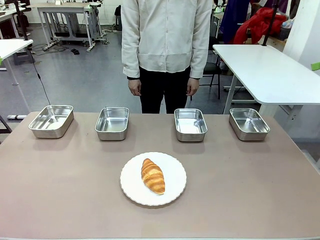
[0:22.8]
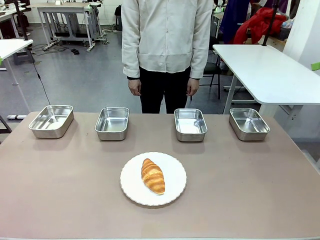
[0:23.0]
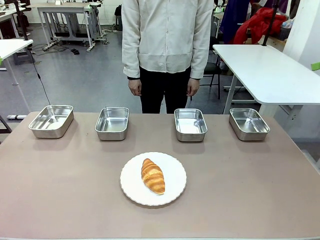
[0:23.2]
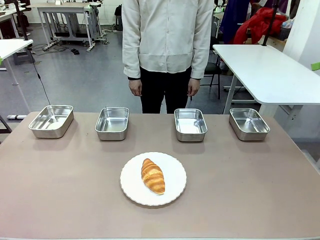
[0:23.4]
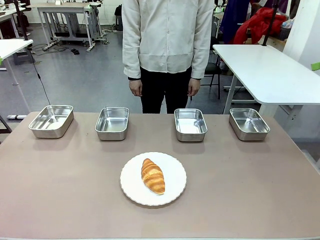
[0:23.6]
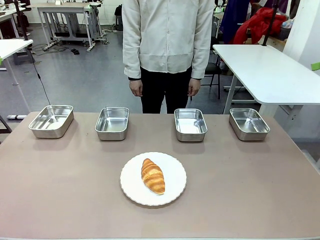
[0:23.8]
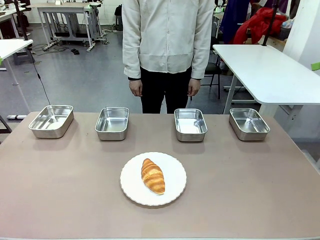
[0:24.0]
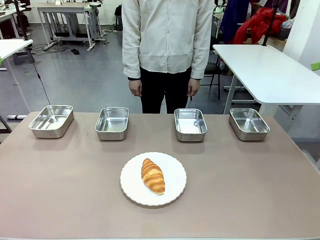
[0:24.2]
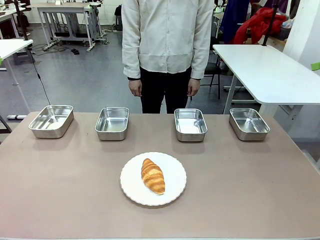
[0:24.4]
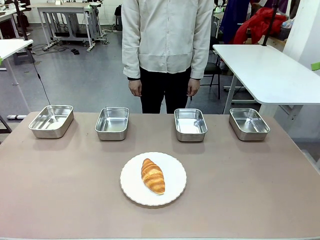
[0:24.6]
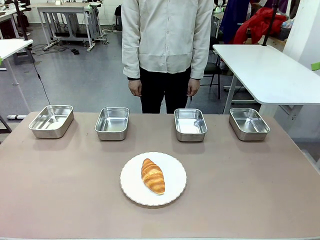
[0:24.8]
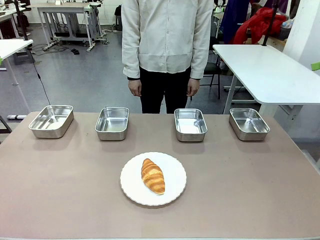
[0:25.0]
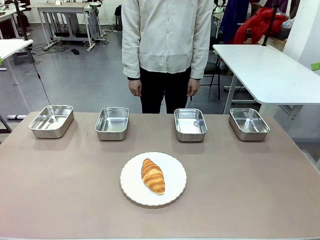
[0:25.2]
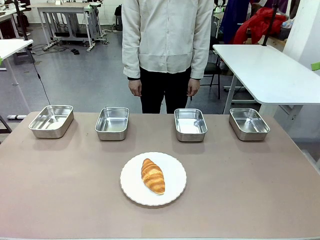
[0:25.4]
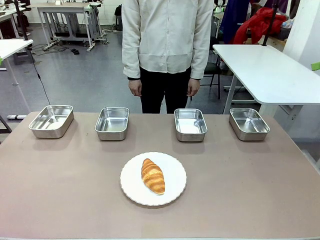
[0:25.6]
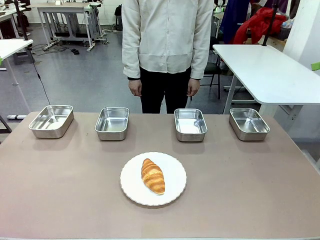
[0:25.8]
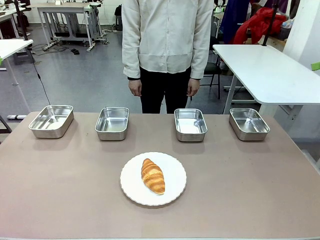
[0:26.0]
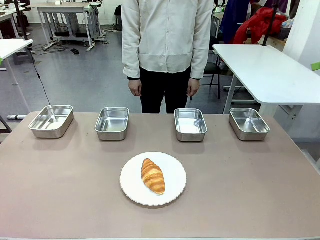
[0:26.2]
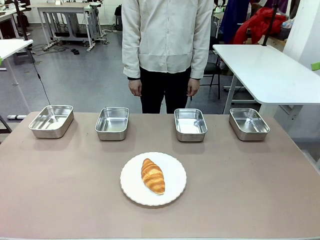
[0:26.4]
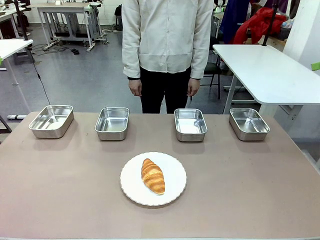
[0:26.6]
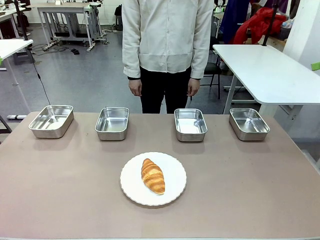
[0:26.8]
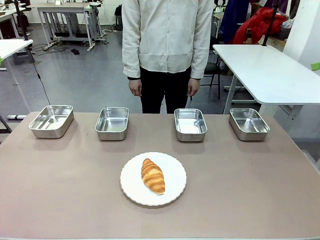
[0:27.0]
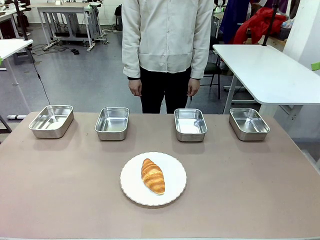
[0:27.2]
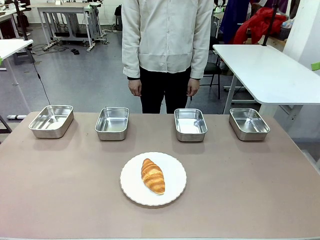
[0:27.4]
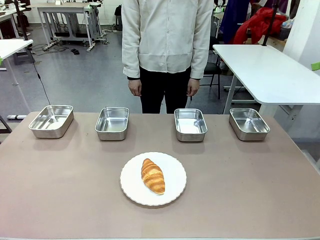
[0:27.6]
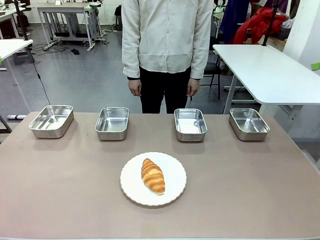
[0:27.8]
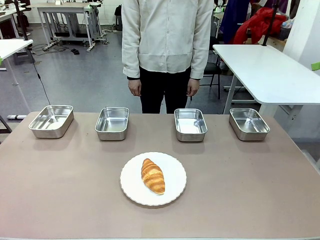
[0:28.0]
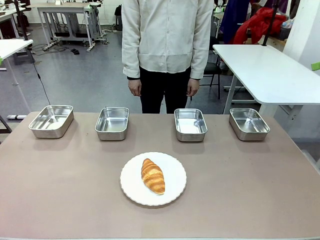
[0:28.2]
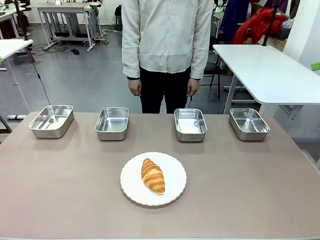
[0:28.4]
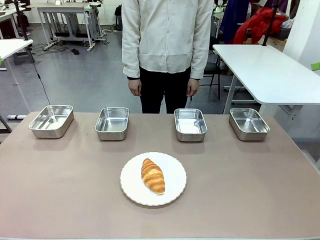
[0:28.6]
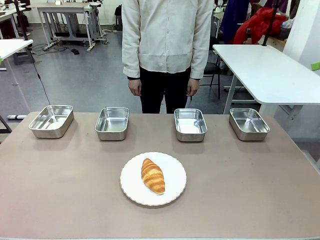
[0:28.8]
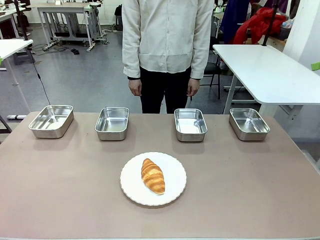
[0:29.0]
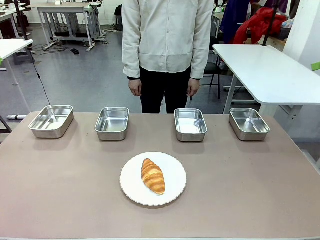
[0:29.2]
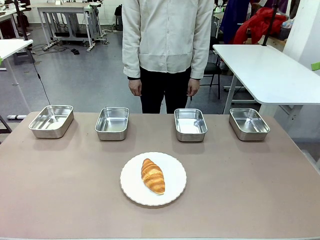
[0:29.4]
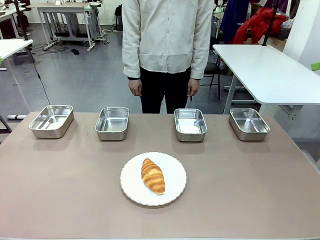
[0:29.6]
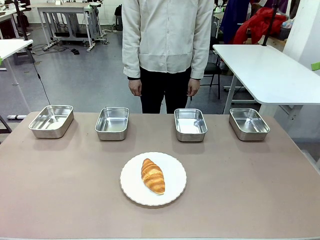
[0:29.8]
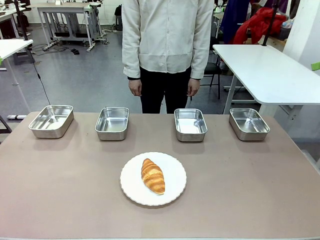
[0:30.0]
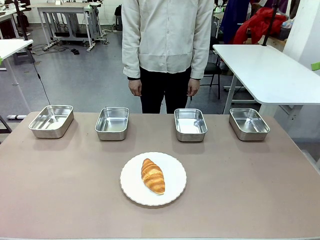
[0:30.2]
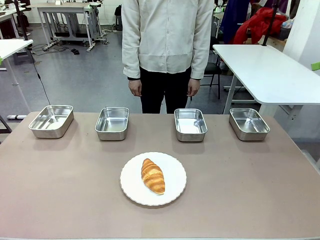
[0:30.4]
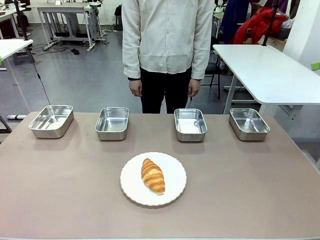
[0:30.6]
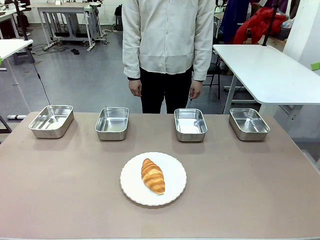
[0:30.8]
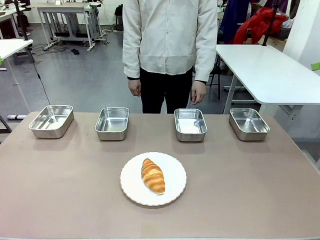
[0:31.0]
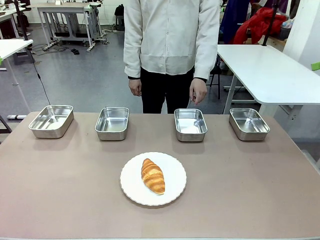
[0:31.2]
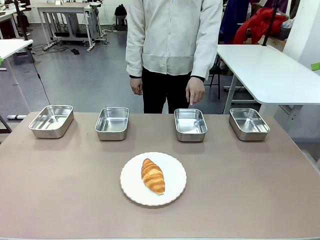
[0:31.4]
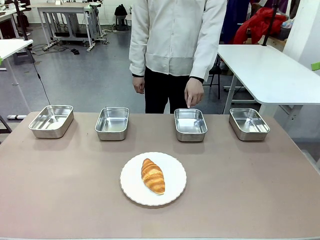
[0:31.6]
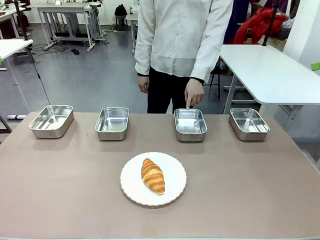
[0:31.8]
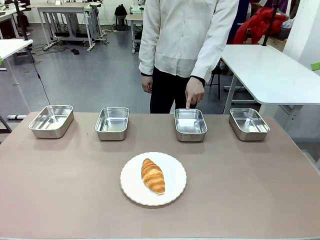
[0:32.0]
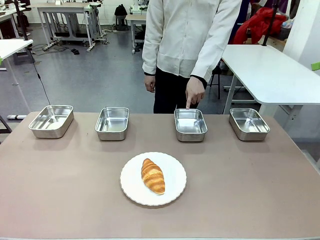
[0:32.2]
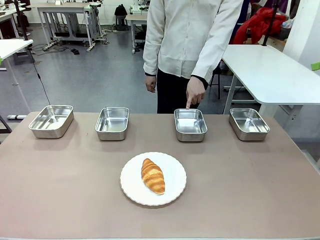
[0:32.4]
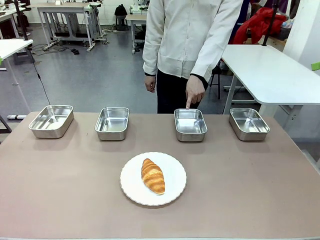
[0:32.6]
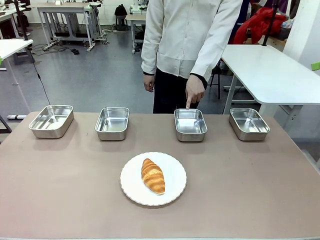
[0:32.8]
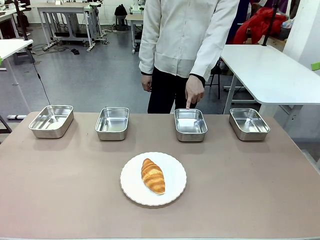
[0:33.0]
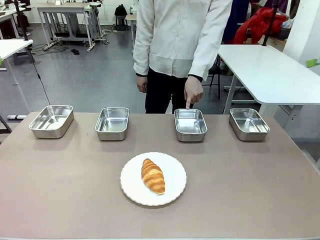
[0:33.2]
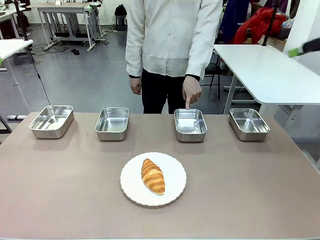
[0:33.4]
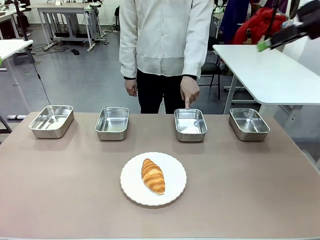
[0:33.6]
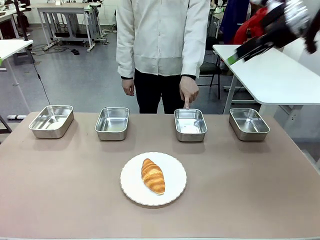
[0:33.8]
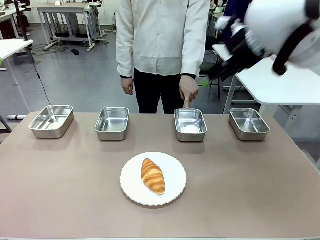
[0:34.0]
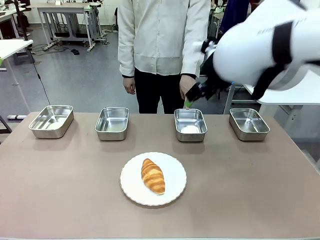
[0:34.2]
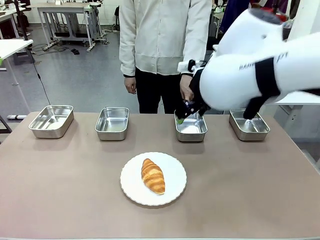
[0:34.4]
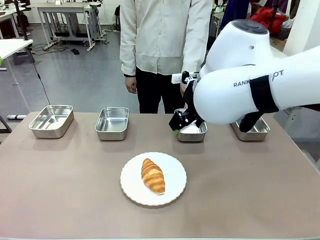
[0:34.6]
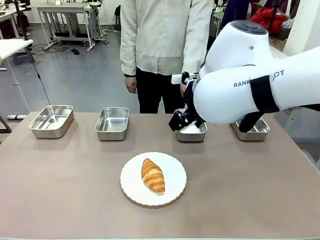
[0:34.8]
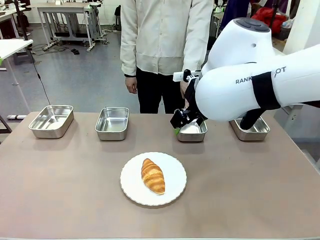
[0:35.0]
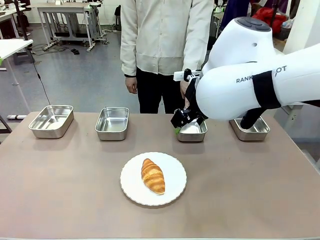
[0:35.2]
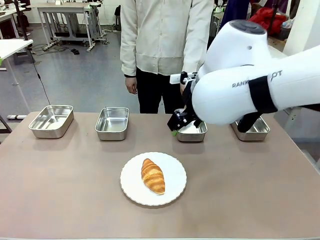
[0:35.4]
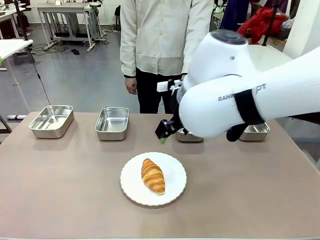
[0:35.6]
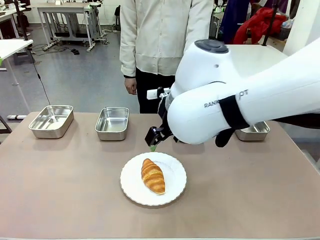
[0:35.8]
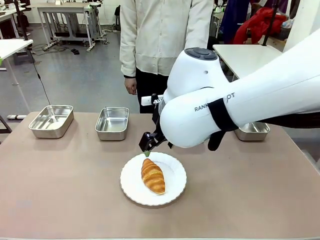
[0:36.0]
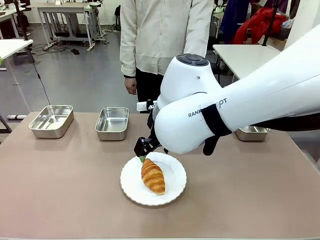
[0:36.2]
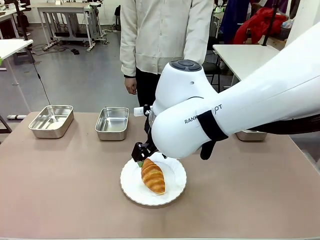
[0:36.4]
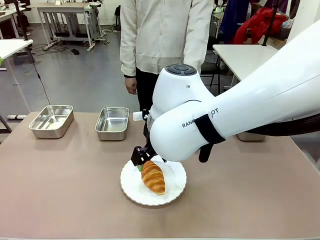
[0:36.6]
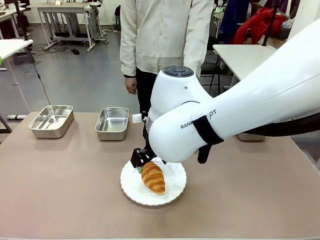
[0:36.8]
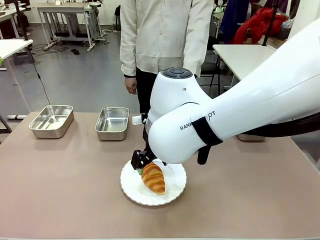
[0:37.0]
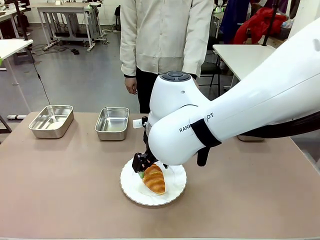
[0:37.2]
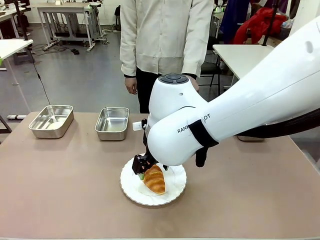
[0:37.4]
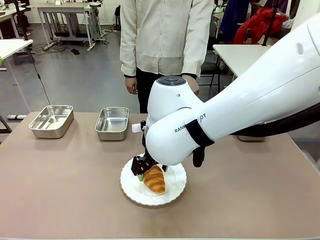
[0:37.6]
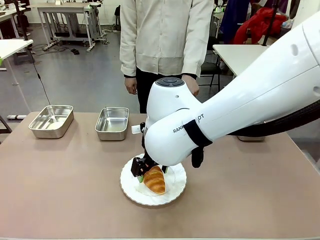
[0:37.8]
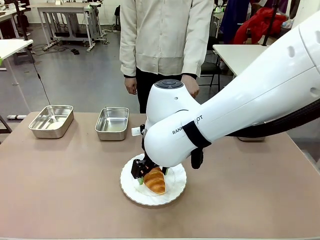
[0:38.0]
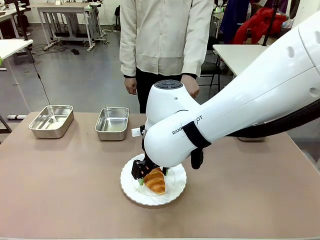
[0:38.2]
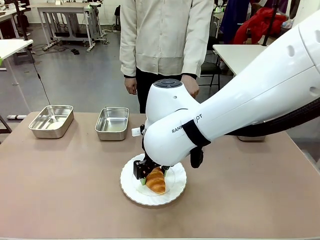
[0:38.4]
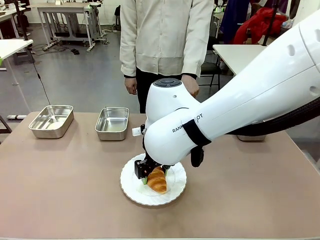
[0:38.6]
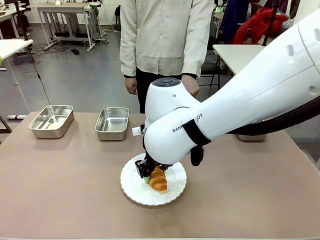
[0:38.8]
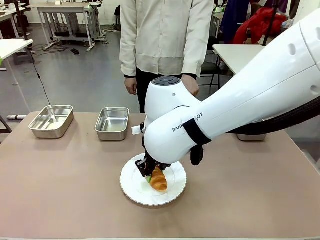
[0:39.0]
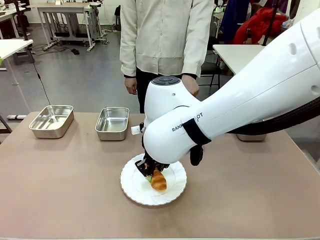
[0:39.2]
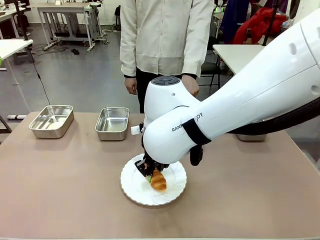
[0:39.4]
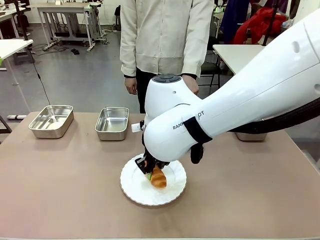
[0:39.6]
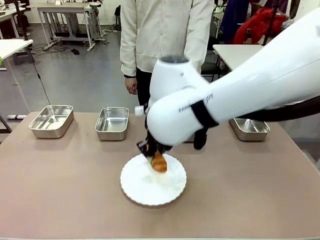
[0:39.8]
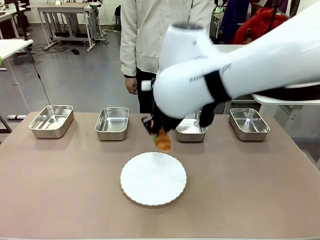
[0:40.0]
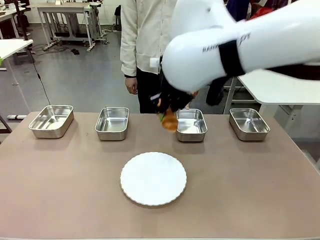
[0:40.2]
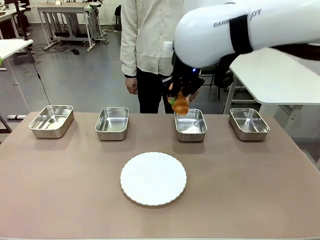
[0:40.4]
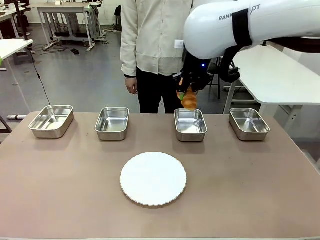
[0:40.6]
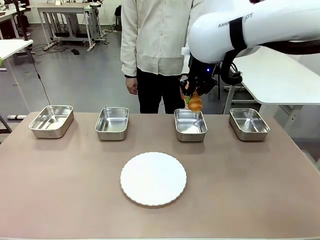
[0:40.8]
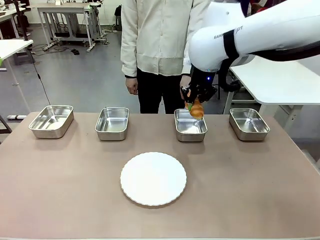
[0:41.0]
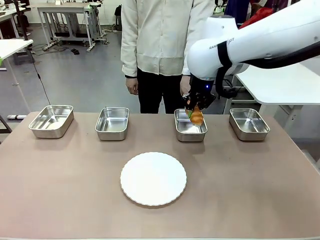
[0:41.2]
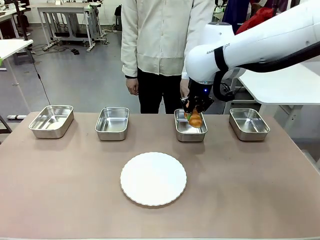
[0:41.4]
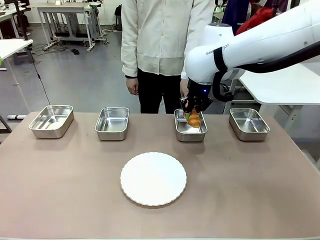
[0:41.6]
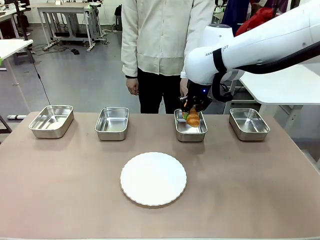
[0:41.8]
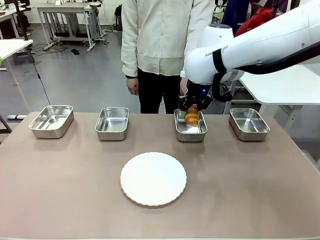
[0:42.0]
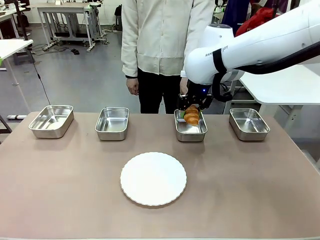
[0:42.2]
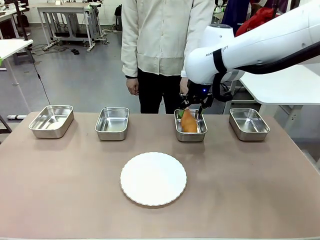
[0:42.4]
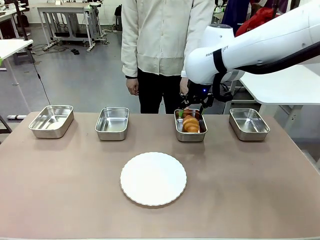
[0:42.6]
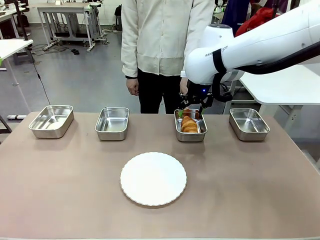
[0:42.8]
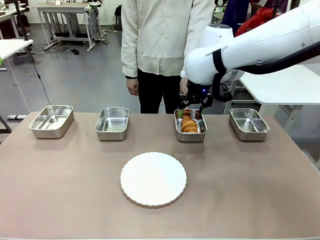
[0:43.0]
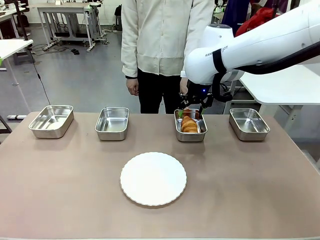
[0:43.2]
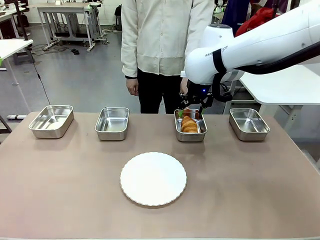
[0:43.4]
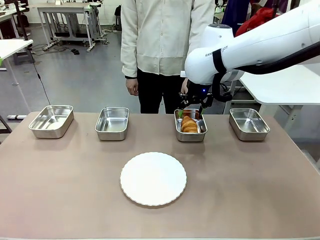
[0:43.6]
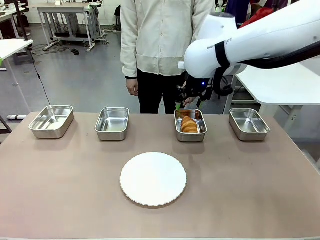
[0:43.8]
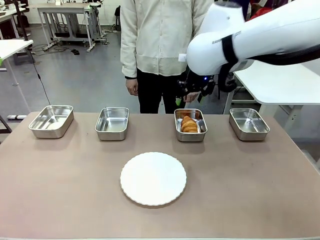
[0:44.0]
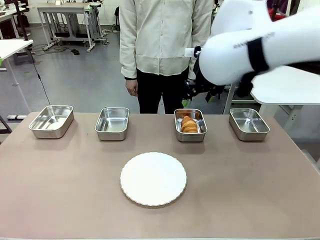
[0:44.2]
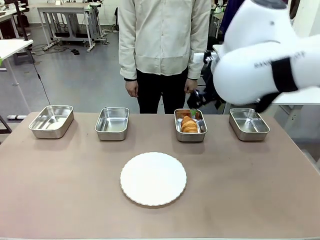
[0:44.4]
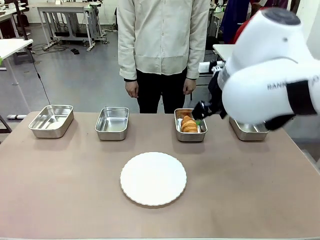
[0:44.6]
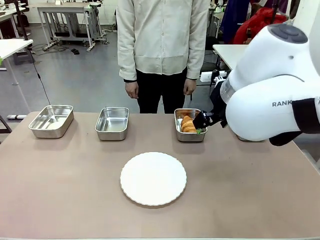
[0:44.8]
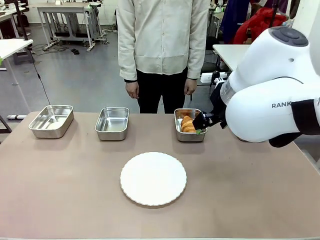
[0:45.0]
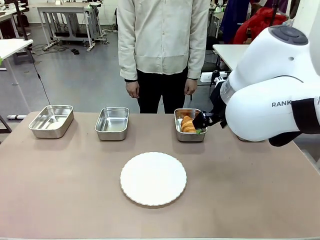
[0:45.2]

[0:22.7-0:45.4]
Task: Place the bread in the container.
Robot: Place the Butter Roll into the Airtight Container indicated by the human.
